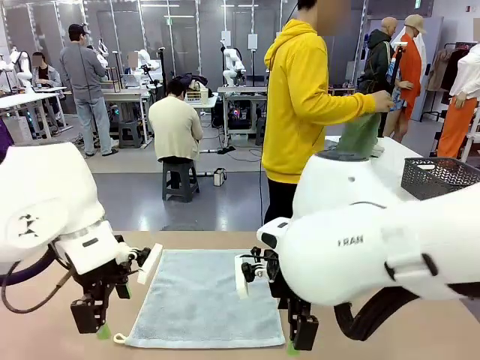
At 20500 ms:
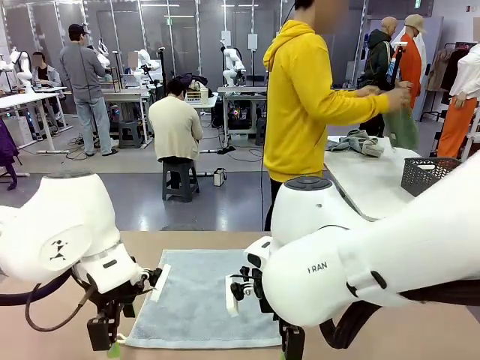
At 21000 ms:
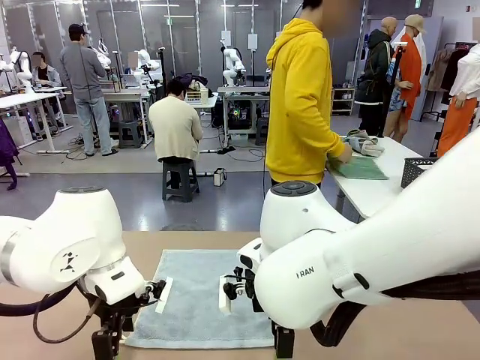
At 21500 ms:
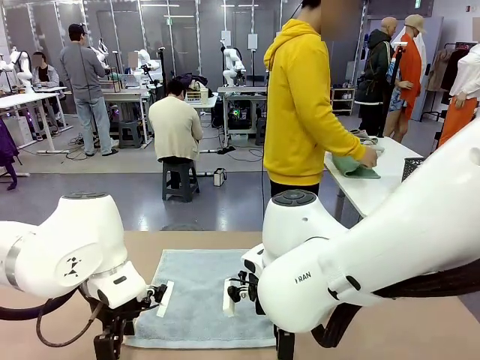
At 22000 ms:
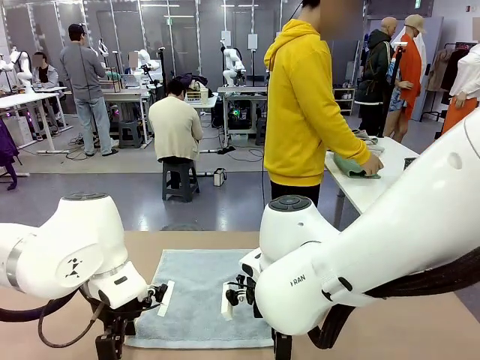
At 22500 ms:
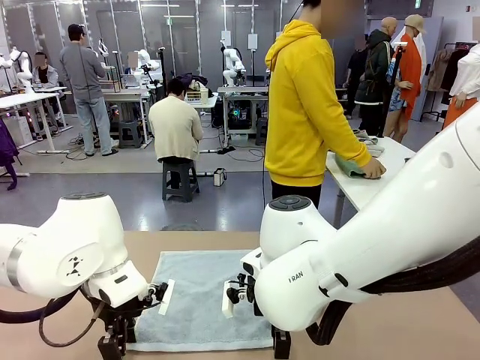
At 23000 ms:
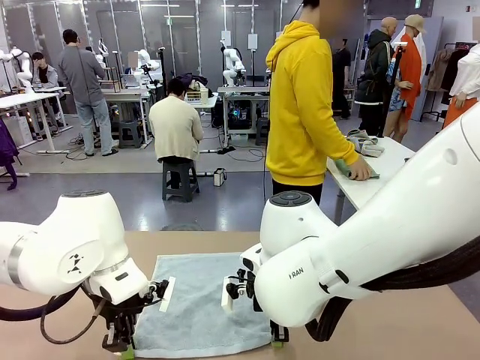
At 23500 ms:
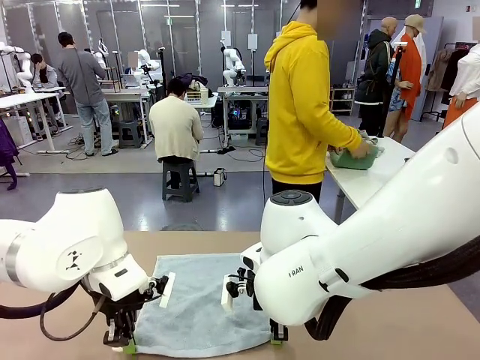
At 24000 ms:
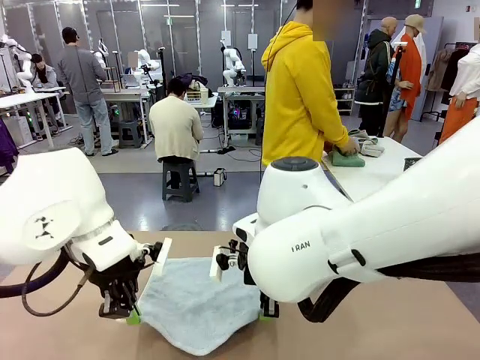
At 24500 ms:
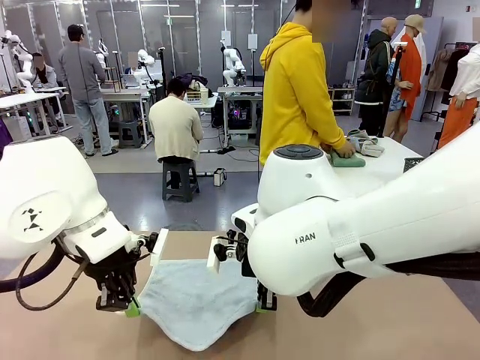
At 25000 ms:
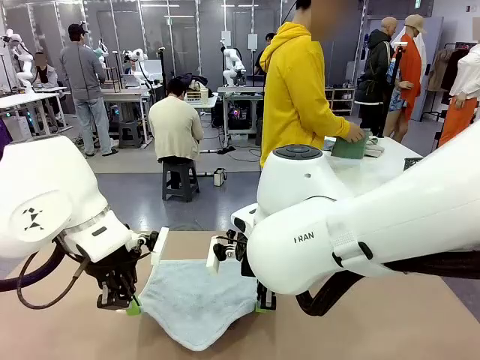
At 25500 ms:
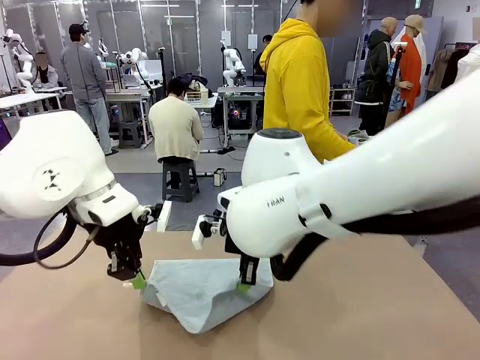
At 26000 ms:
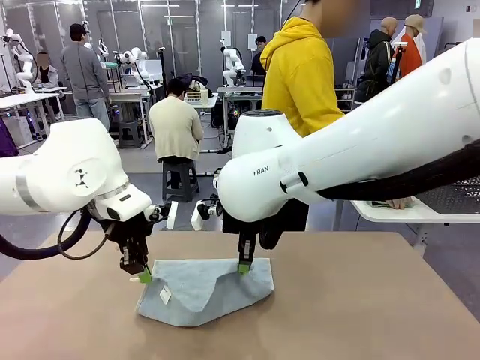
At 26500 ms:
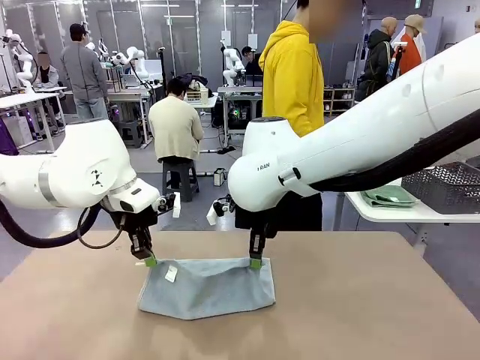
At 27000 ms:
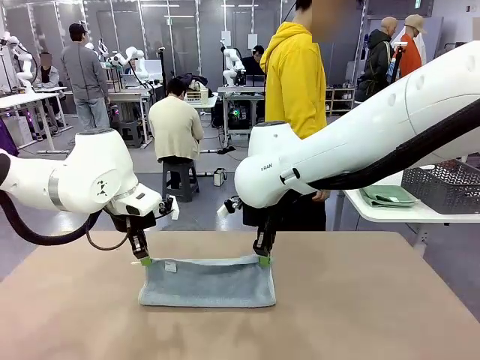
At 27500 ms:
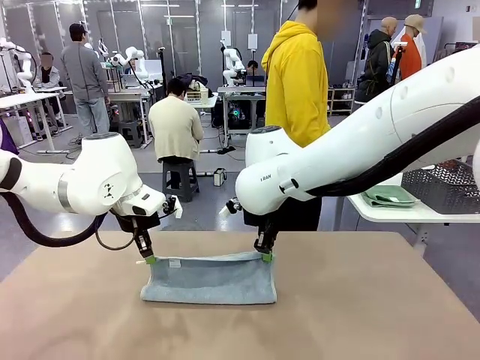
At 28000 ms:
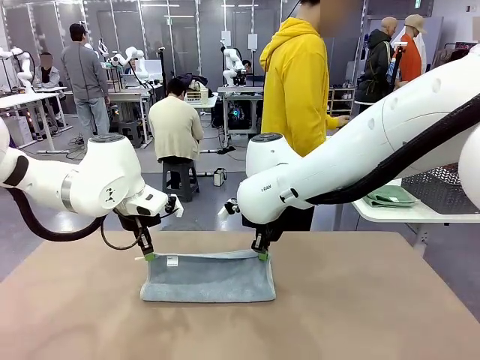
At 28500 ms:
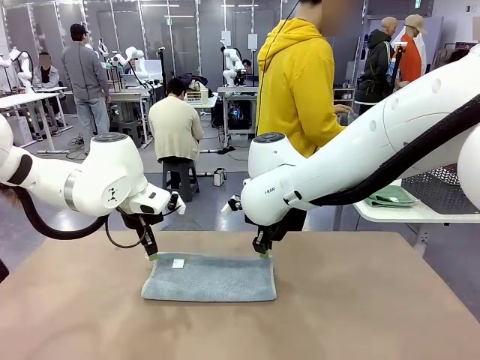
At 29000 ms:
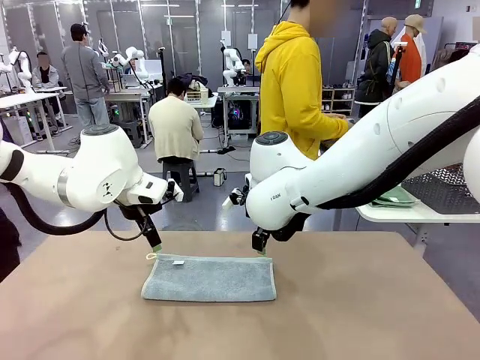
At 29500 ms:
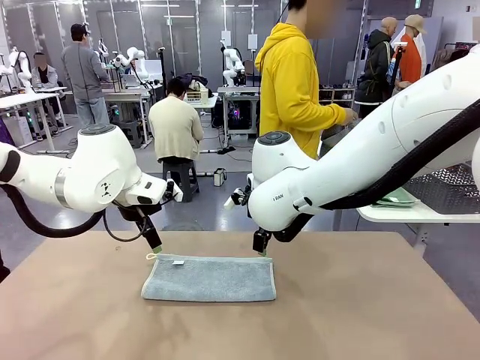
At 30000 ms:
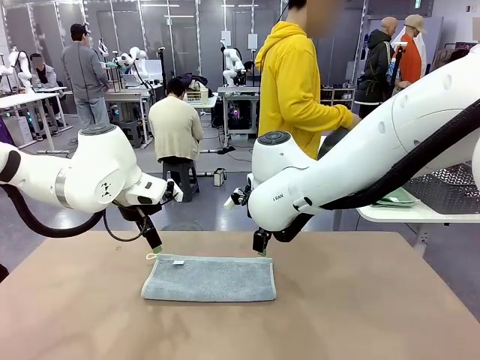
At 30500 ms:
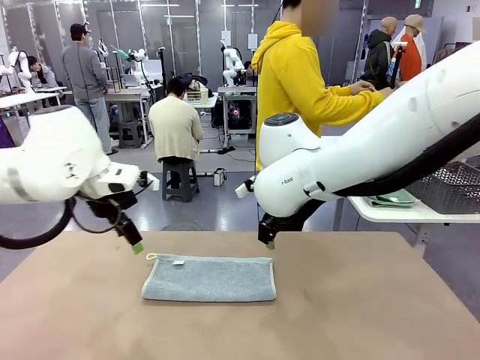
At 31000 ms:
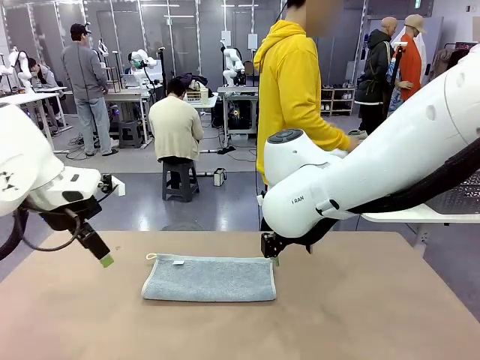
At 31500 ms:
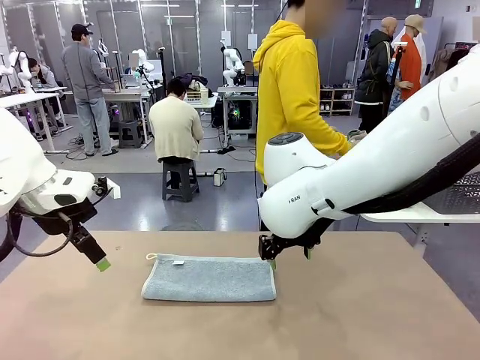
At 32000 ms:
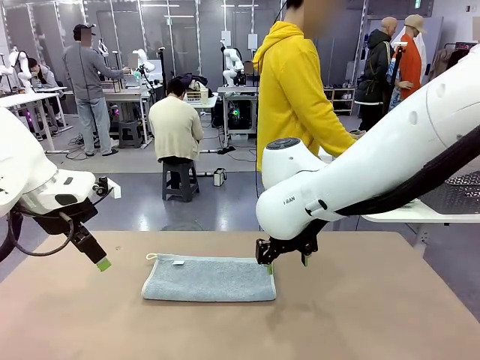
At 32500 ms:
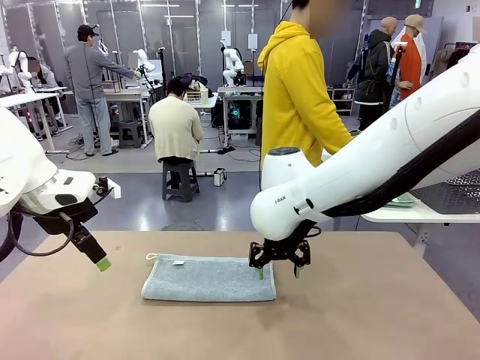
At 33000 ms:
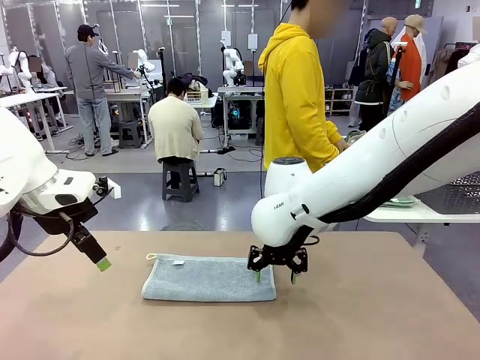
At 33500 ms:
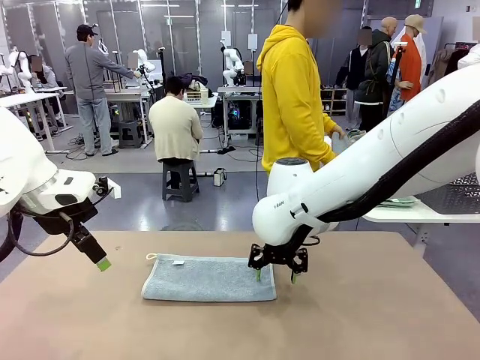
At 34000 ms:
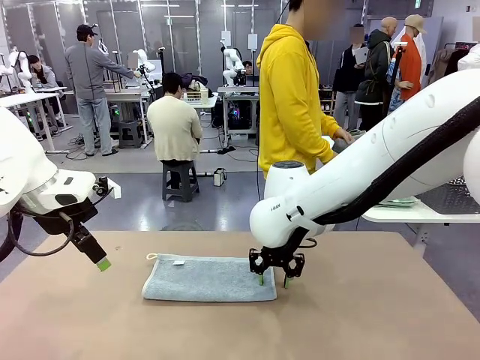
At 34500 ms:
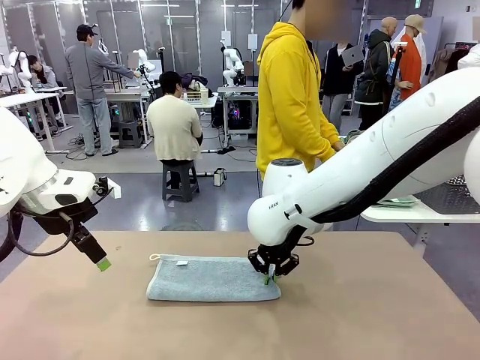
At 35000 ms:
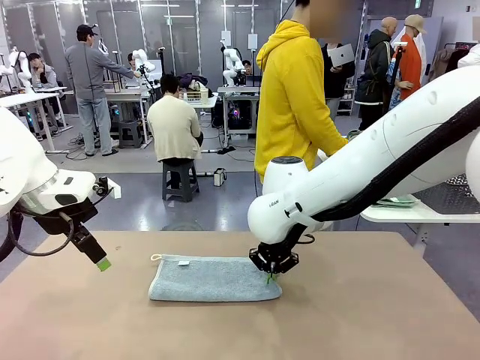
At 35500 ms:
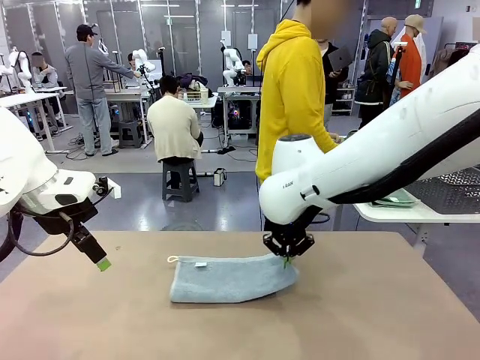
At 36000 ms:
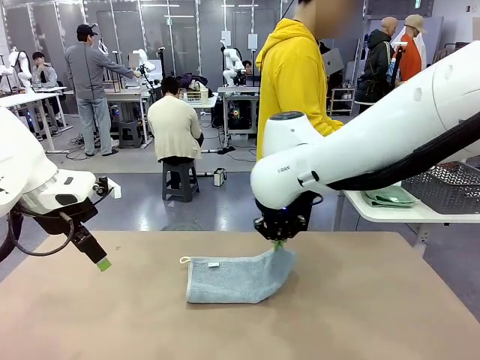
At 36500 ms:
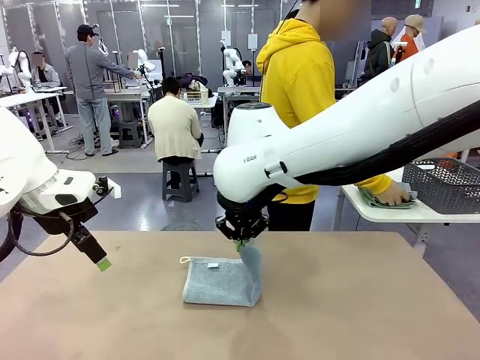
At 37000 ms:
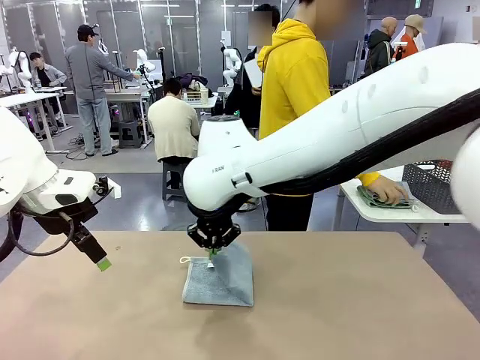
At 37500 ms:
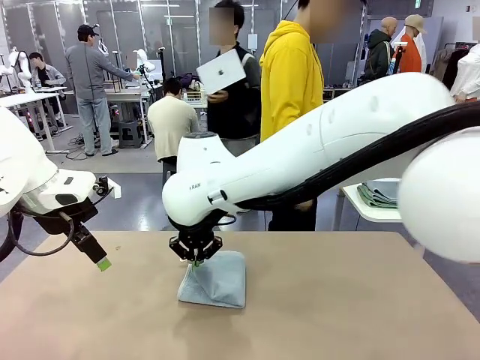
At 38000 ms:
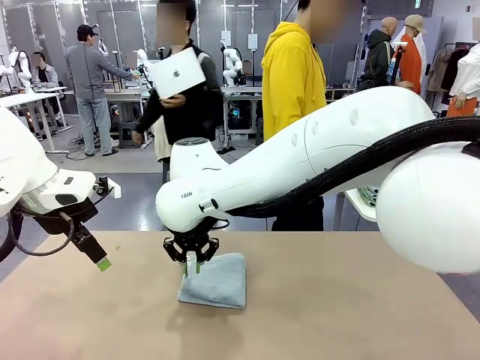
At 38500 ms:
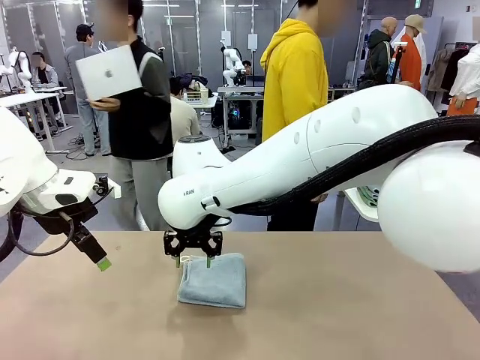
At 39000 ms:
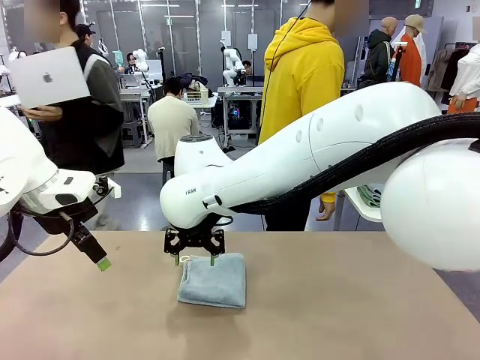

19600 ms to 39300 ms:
Task: Fold the towels and place them in the basket.
Robot: When a person lays out a Towel with hook on the table, fold it in half twice.
Person: Pick up one towel from the left side of the human table, fold it in half twice, and place it on the right side of the table. Pick up one towel from the left side of the human table, fold it in half twice, and stack it on the right side of the table.

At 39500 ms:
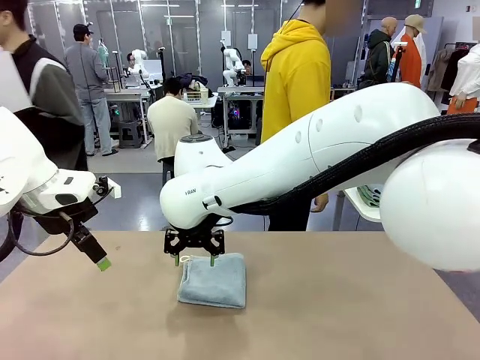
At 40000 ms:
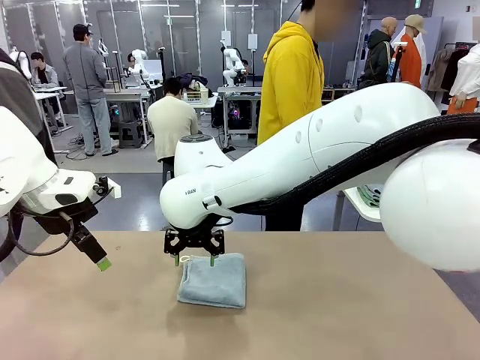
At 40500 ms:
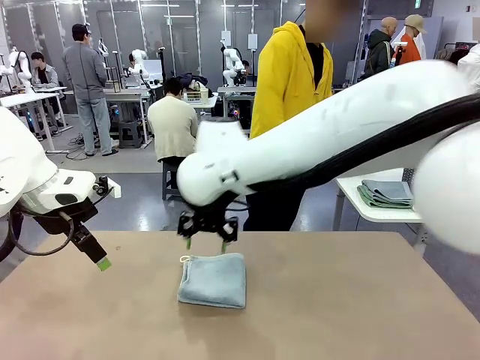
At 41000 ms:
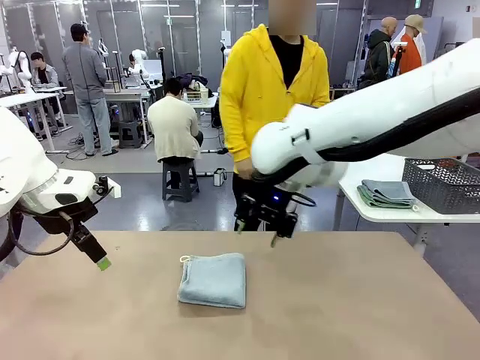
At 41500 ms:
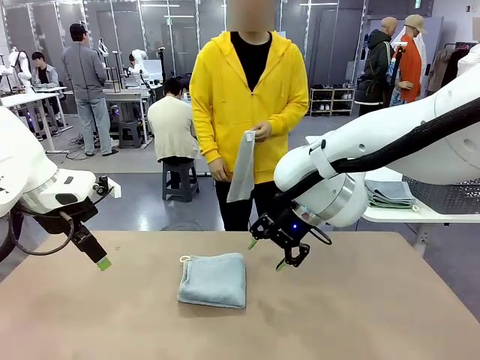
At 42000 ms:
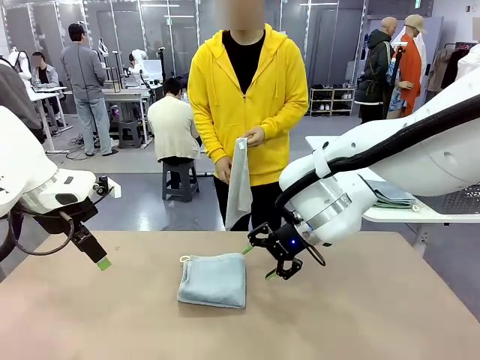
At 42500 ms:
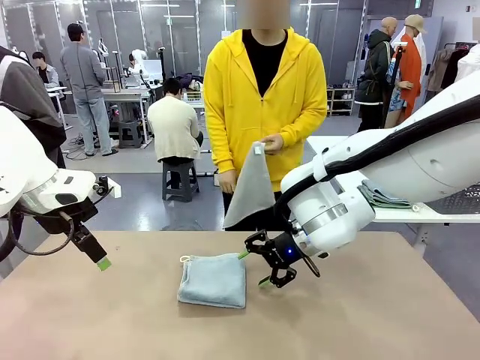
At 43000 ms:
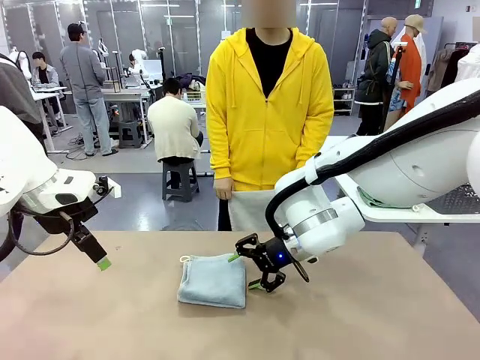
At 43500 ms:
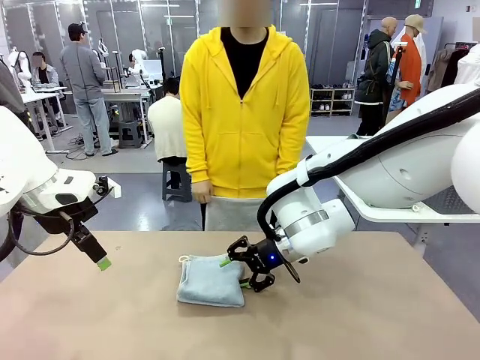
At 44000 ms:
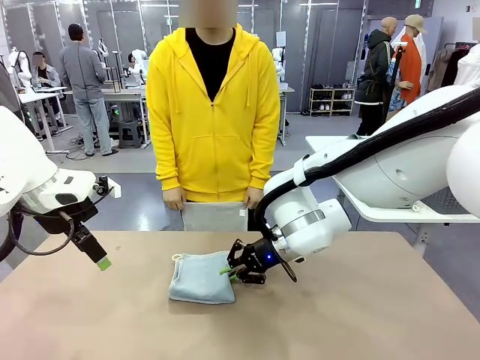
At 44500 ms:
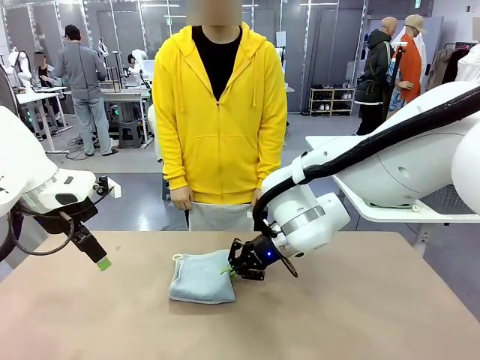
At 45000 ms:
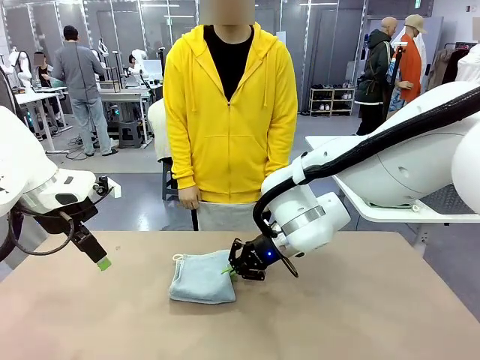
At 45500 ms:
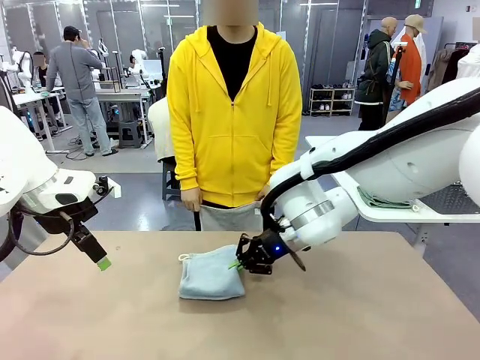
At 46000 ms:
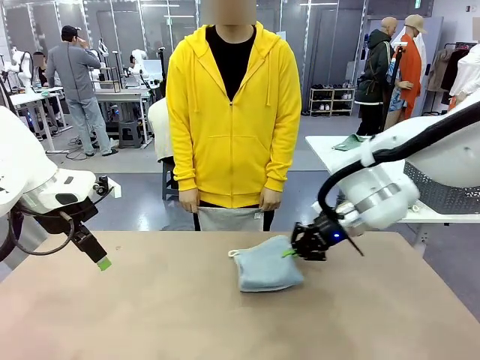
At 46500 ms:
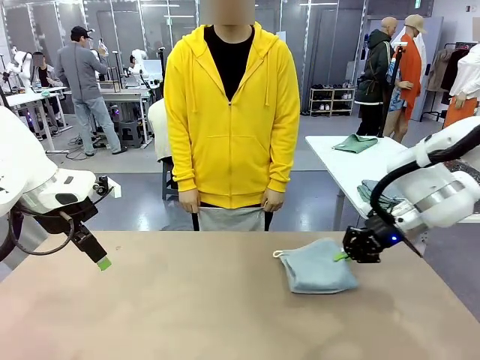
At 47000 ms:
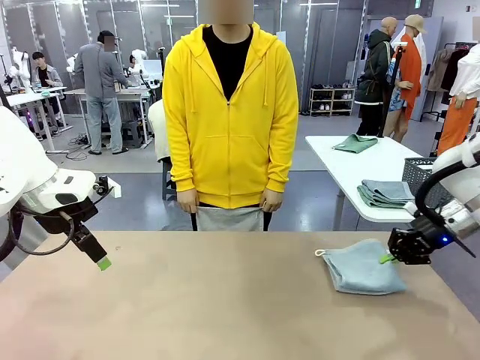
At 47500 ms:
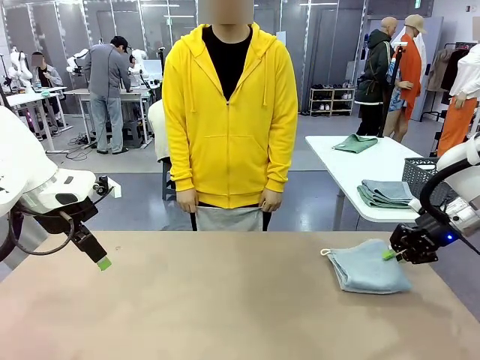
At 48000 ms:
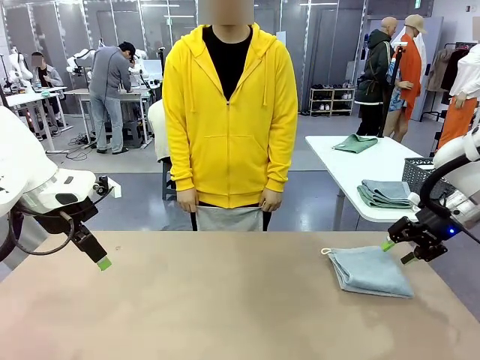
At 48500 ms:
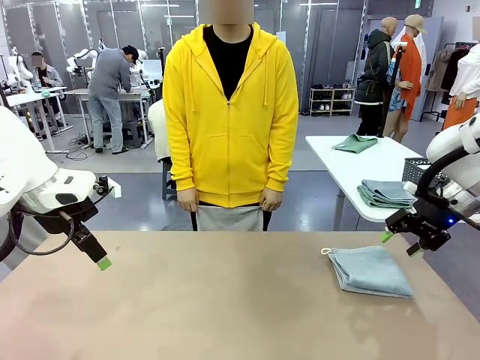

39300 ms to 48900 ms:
Robot: Place the folded Towel with hook on the right side of the table.
Person: Pick up one towel from the left side of the human table and spread it out at the center of the robot table.
